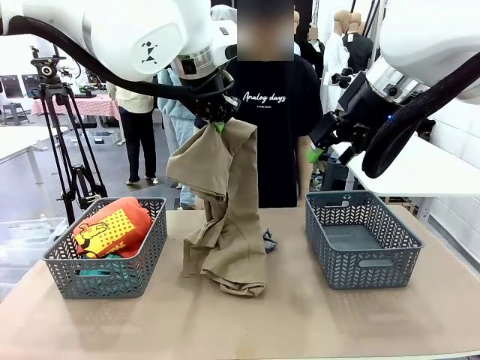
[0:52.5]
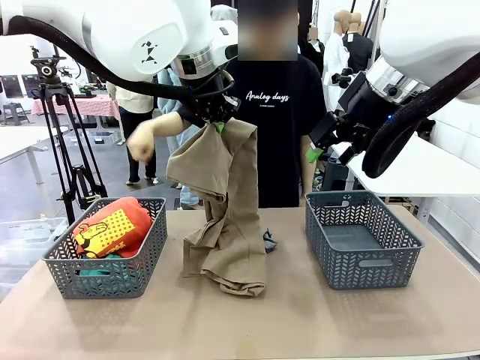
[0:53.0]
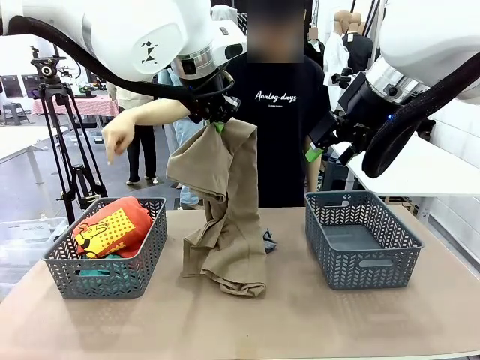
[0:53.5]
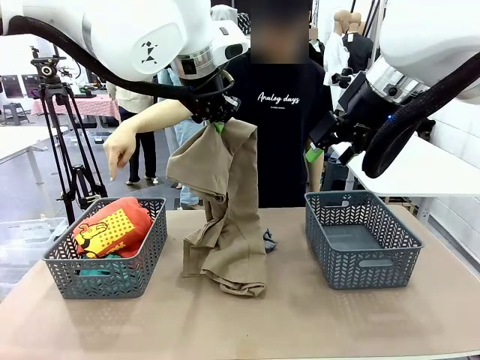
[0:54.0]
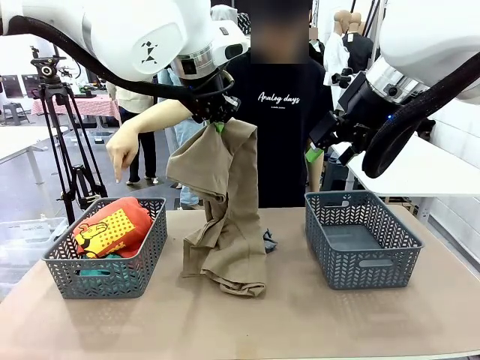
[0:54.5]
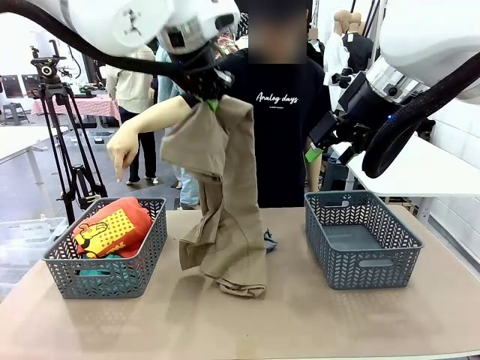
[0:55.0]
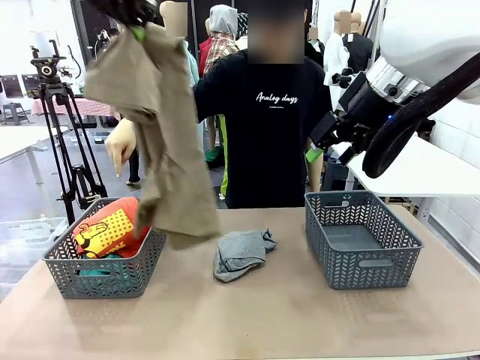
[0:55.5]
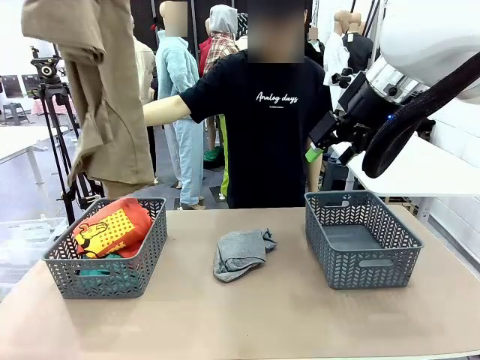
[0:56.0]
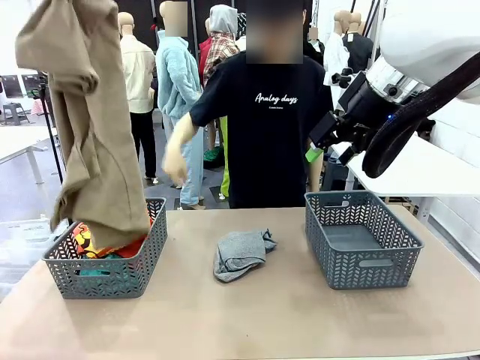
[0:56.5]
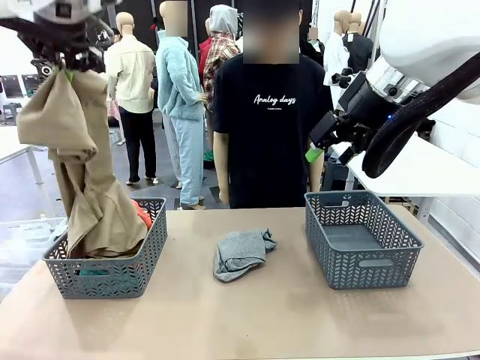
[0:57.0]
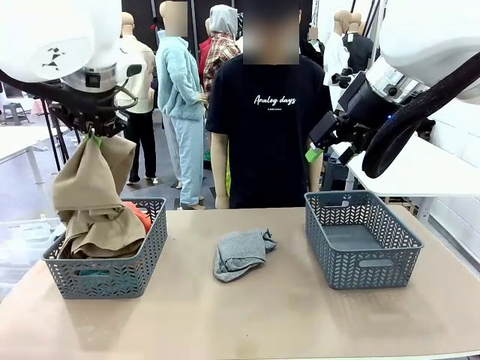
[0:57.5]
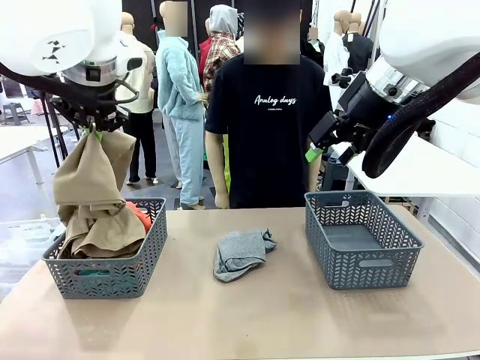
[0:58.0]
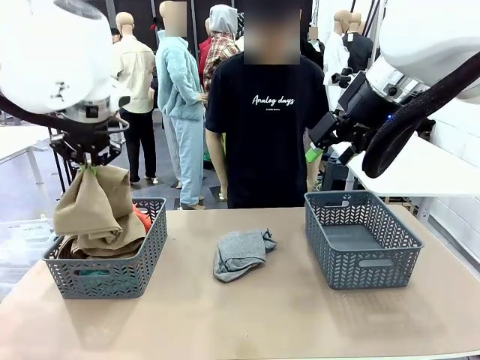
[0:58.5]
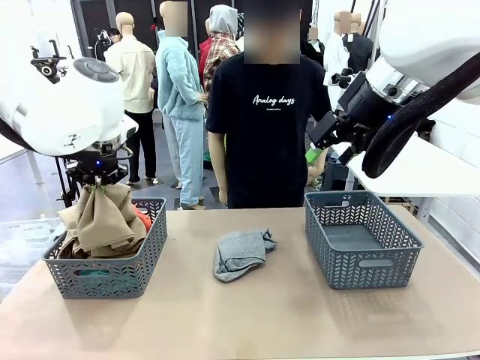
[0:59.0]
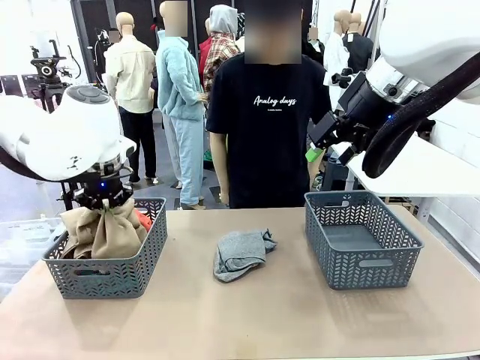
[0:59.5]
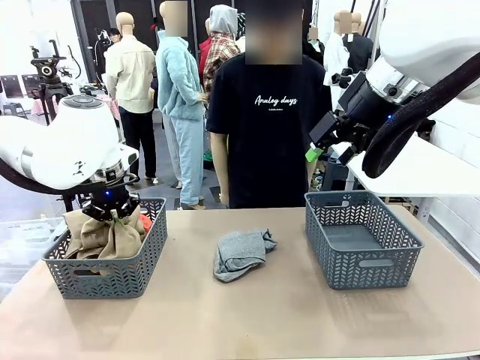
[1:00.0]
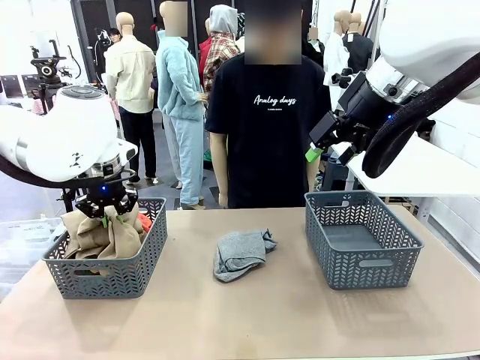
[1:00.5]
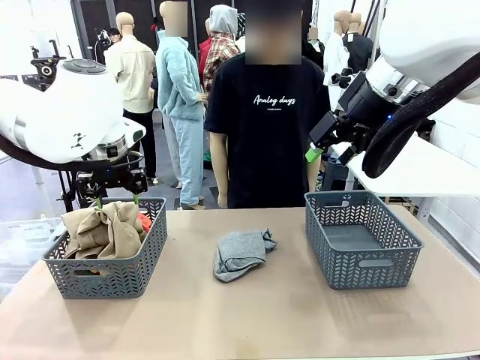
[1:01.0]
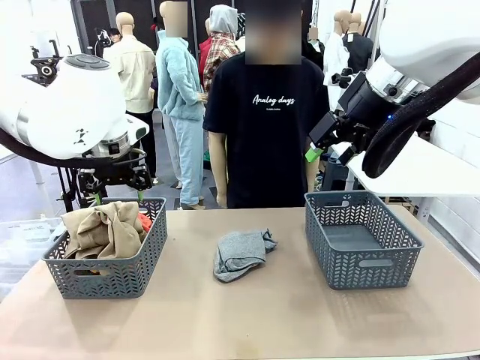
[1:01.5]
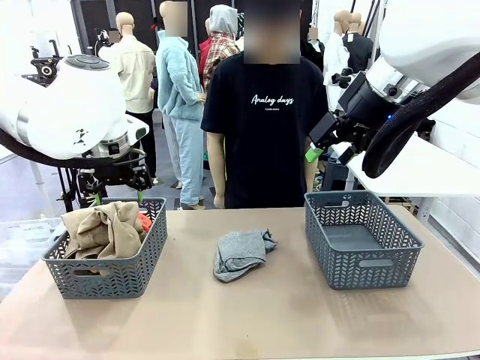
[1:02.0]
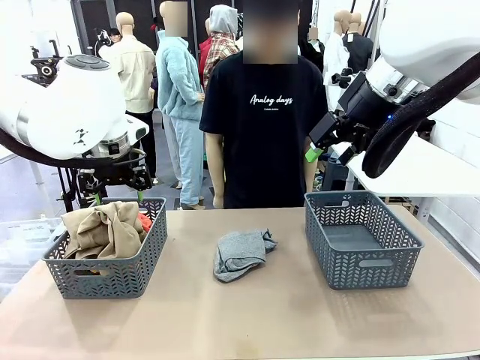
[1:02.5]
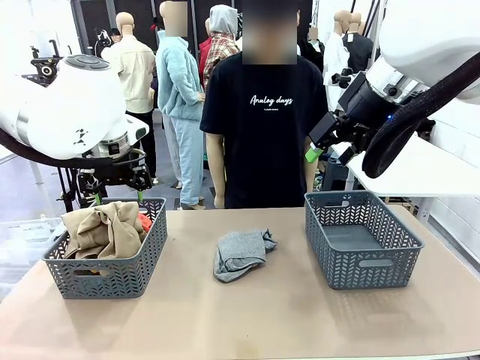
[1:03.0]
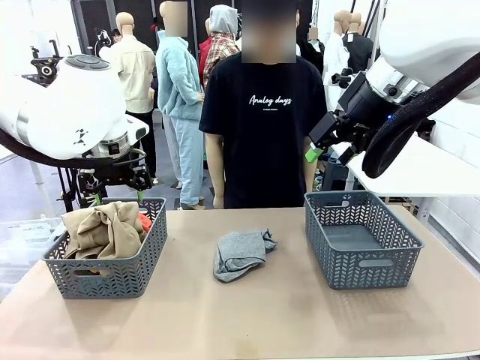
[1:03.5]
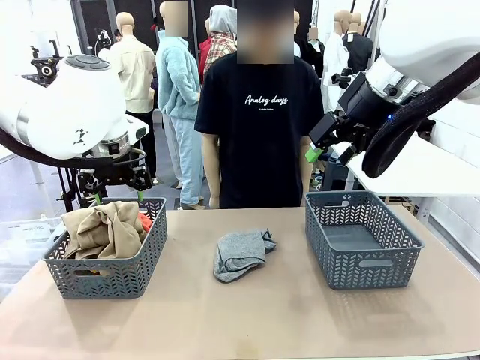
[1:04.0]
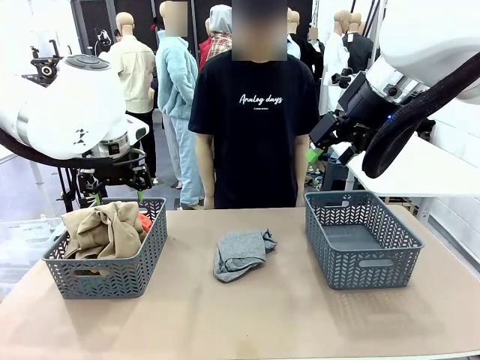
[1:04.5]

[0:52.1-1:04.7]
Task: Sort the tops and bottoms.
Robot: Sort the clothes according to human instructions.

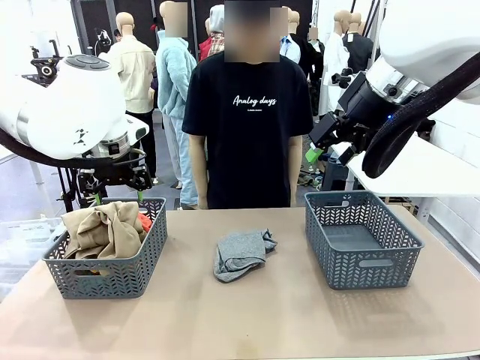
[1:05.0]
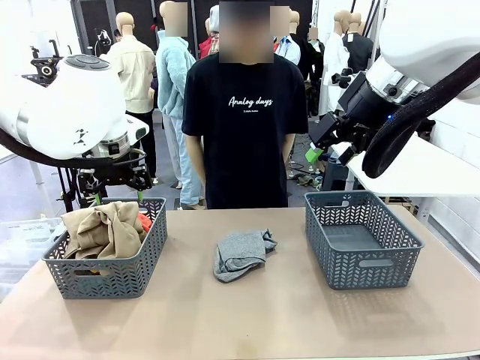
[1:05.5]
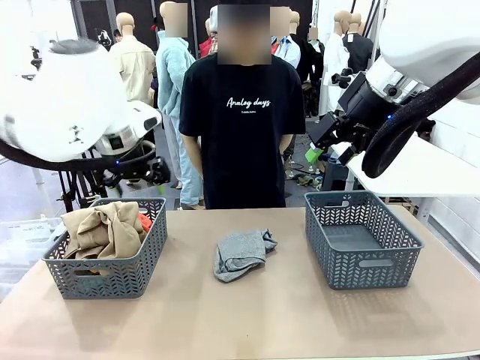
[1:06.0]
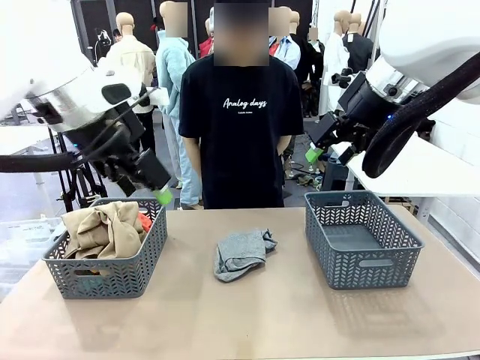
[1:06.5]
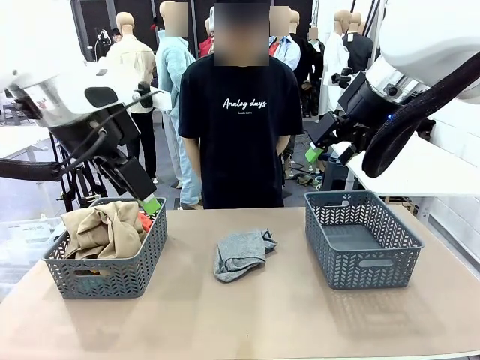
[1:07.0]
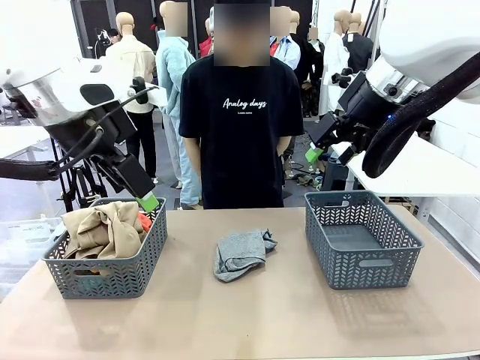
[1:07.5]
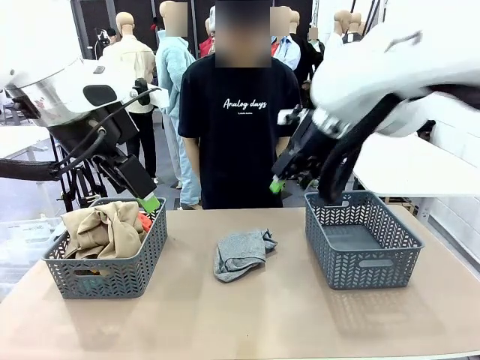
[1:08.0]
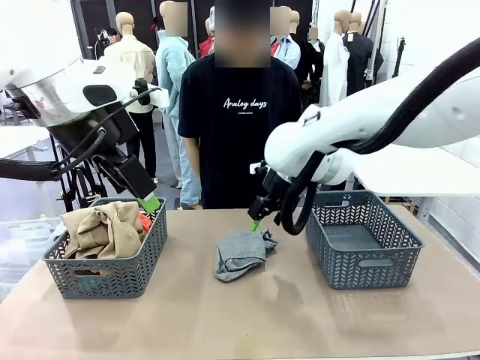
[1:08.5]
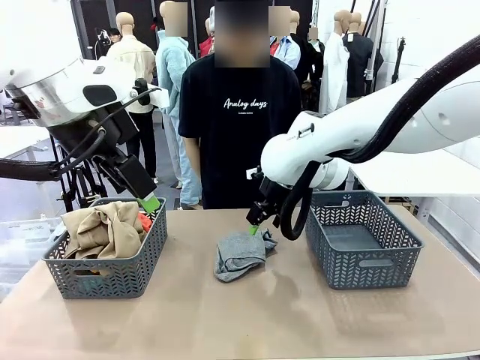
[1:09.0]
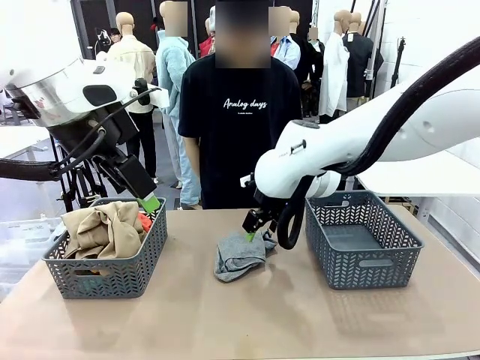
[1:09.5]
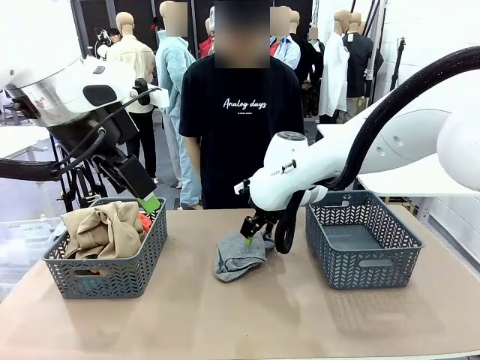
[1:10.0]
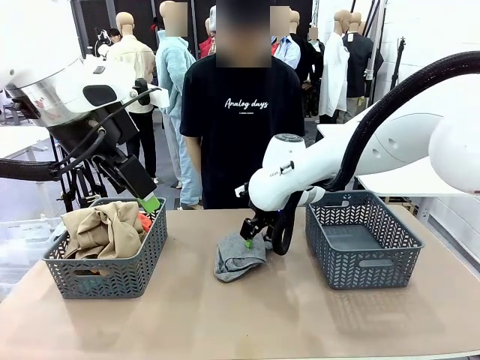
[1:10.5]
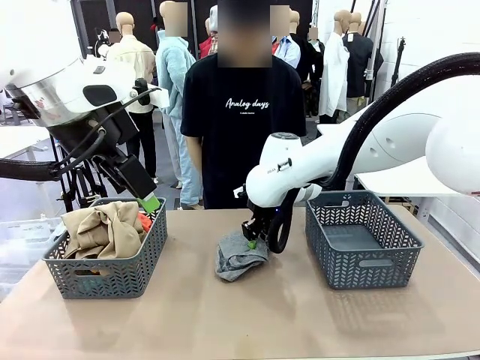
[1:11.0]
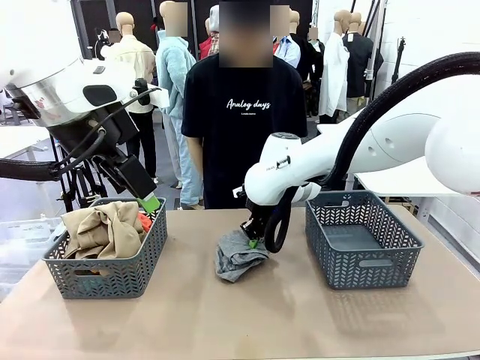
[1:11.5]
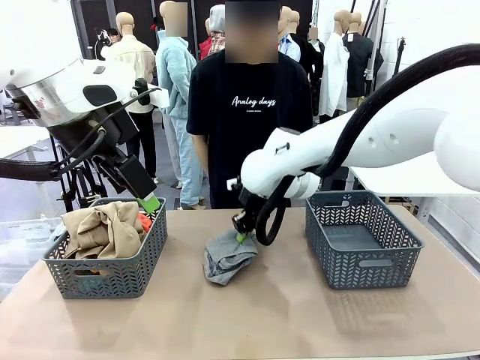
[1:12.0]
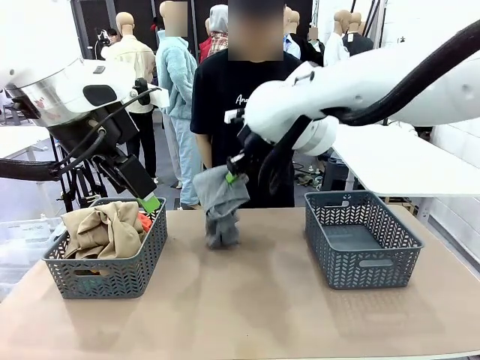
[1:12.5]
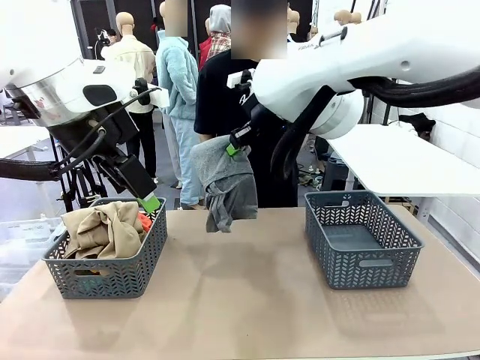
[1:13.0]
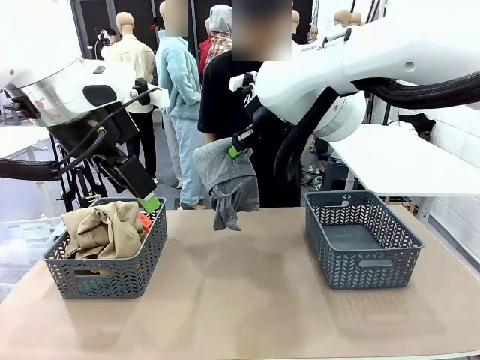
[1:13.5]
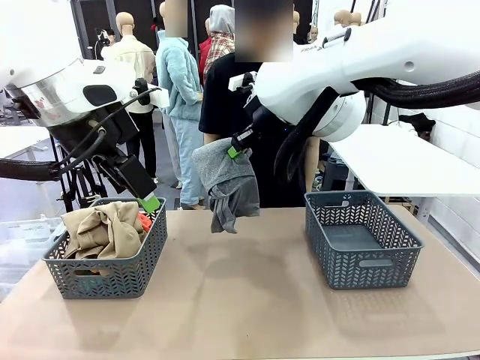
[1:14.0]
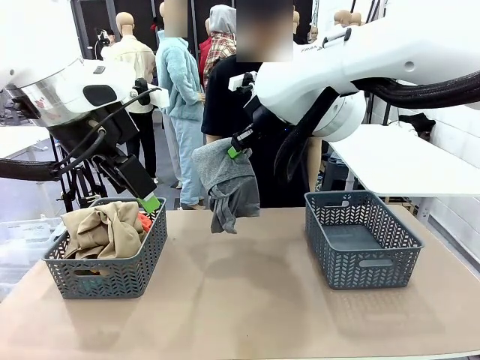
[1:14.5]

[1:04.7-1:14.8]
Robot: Lift clothes from the center of the table with your right hand.

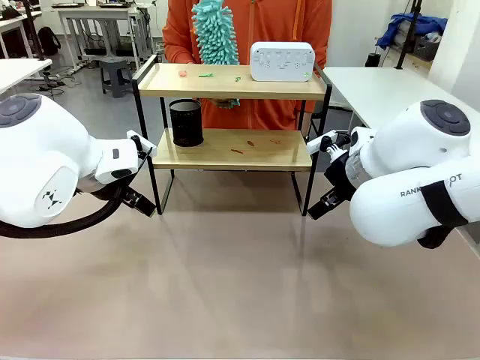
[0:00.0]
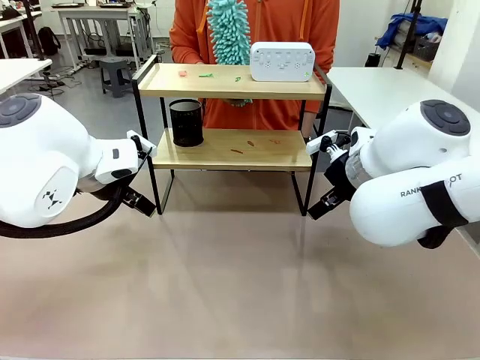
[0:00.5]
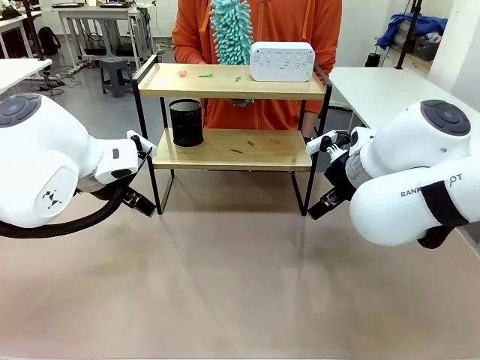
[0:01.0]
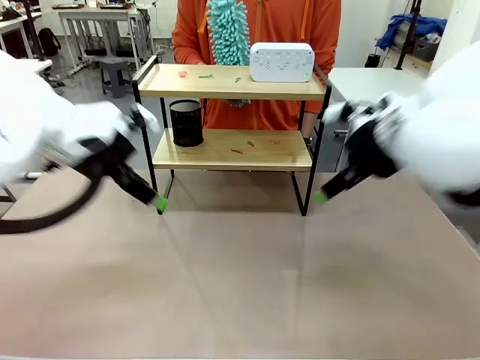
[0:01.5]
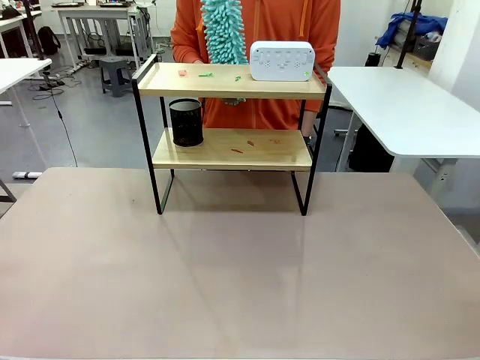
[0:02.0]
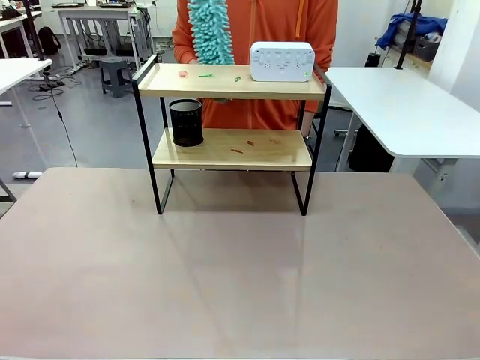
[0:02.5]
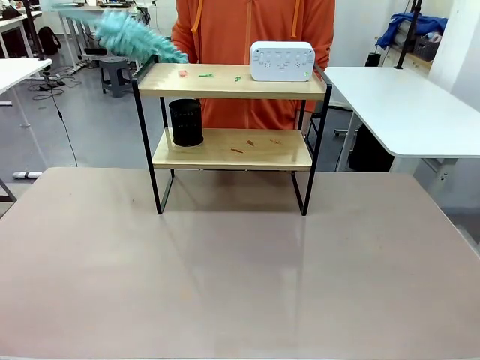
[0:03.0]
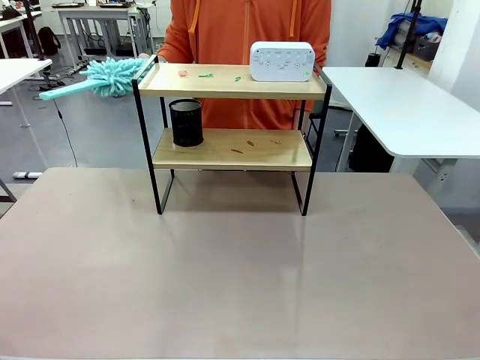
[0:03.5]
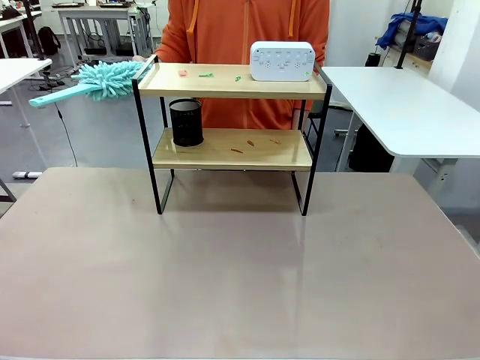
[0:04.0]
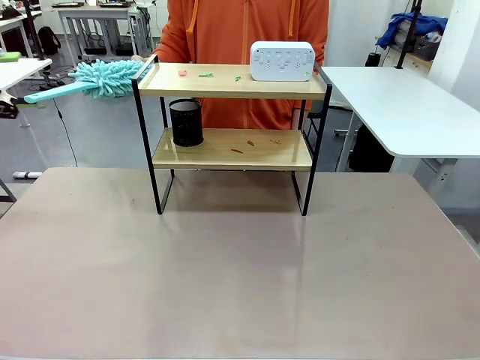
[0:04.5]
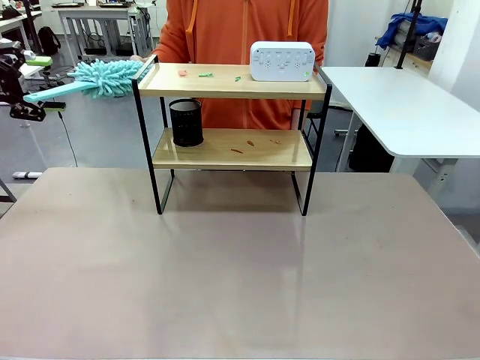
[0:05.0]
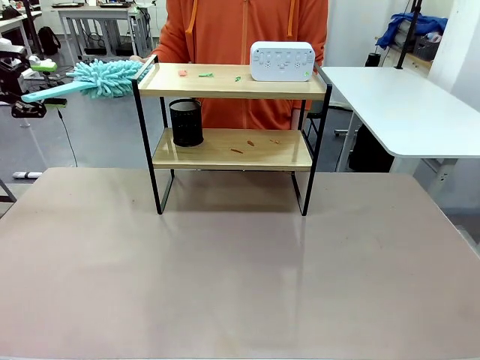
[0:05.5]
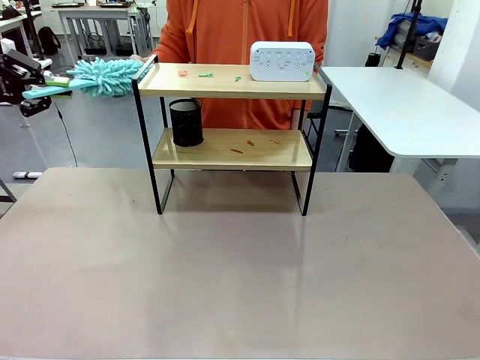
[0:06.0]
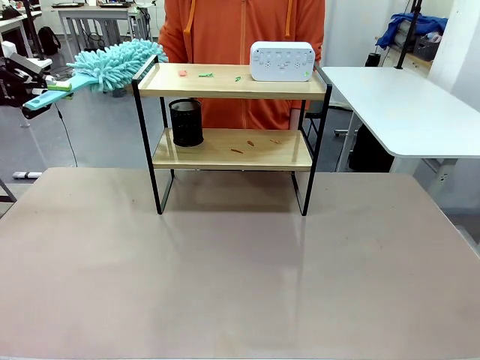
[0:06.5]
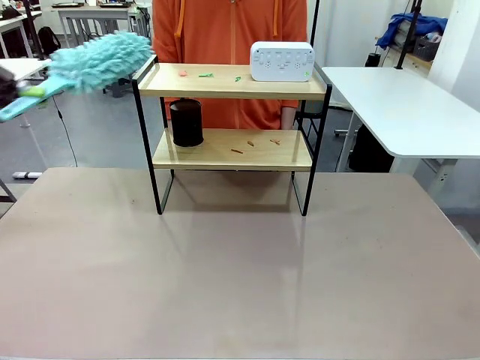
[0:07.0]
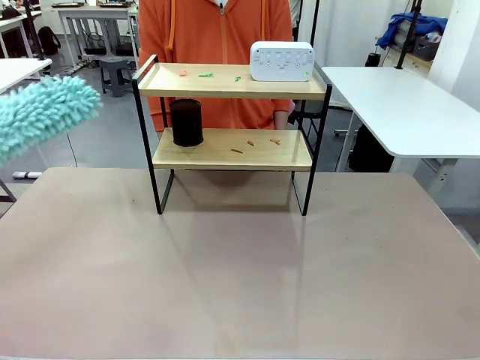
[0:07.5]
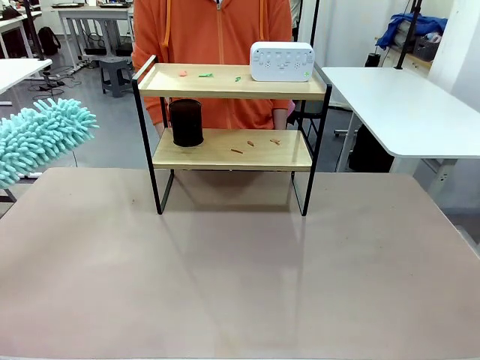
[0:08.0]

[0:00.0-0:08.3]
Task: Clean the shelf.
Robot: Pick up the Duster from the human.
Person: Hand the Duster to the robot.
